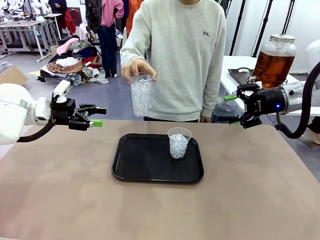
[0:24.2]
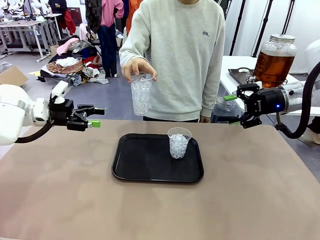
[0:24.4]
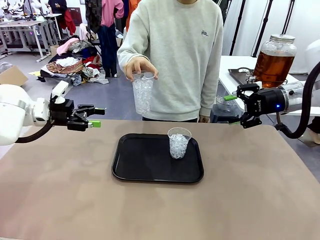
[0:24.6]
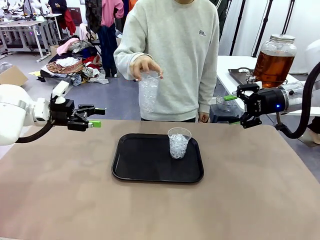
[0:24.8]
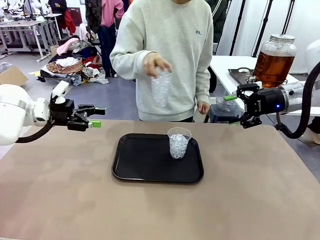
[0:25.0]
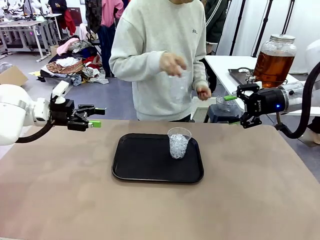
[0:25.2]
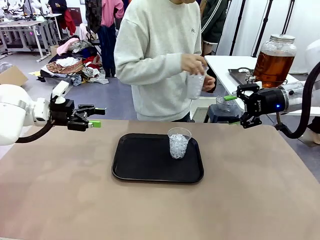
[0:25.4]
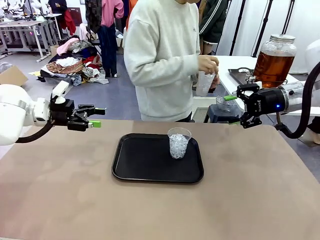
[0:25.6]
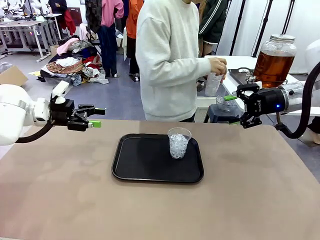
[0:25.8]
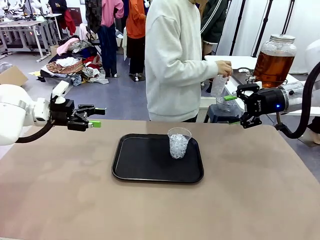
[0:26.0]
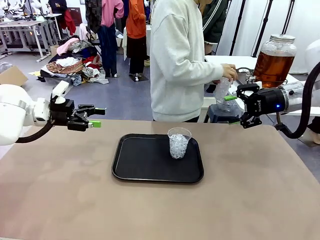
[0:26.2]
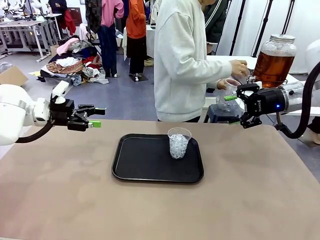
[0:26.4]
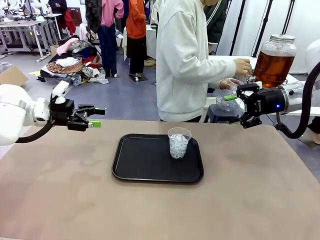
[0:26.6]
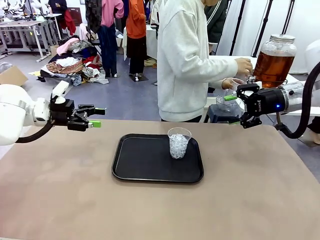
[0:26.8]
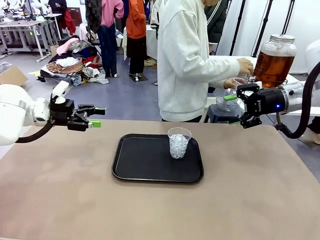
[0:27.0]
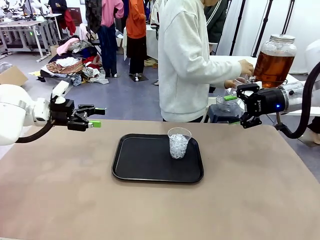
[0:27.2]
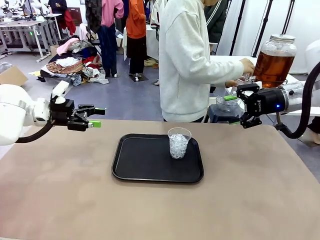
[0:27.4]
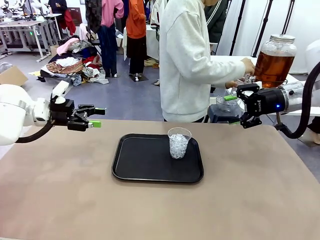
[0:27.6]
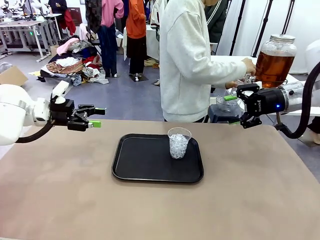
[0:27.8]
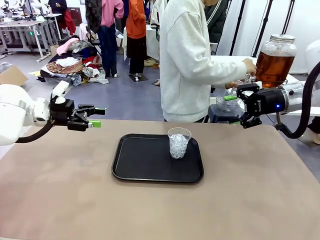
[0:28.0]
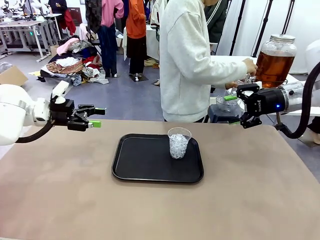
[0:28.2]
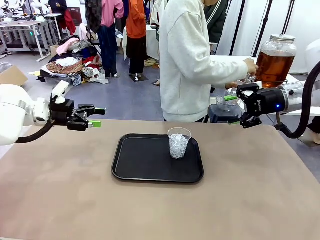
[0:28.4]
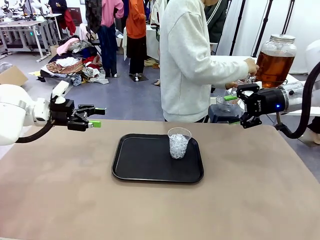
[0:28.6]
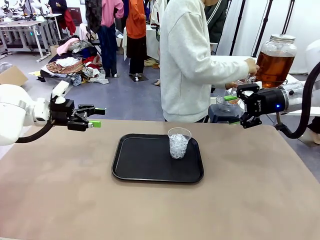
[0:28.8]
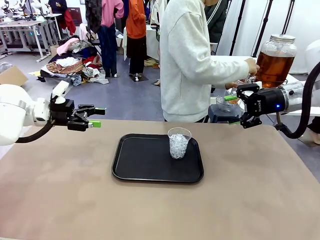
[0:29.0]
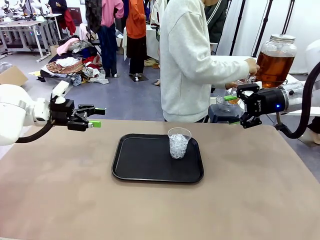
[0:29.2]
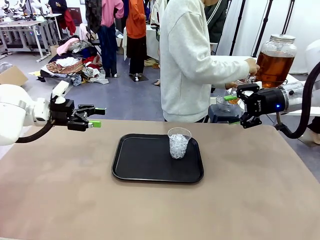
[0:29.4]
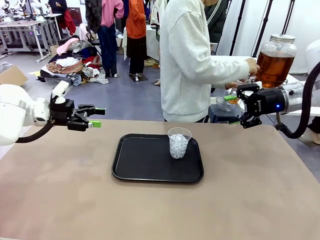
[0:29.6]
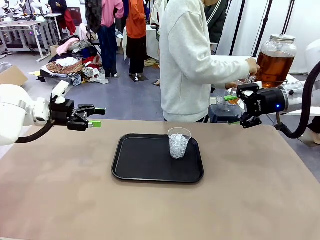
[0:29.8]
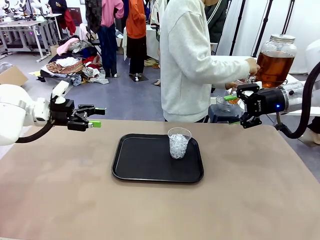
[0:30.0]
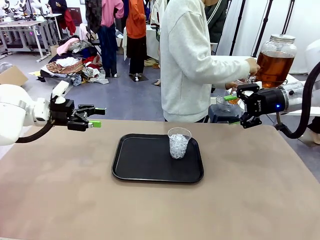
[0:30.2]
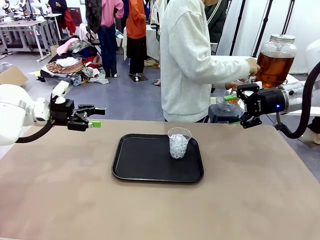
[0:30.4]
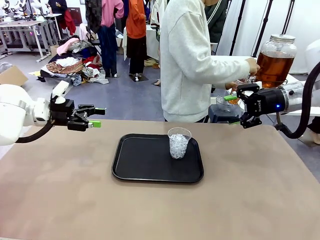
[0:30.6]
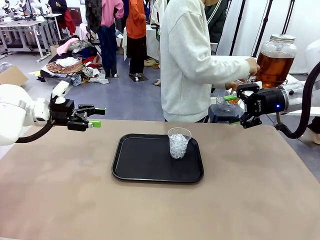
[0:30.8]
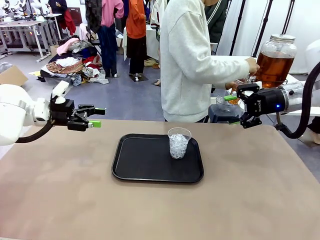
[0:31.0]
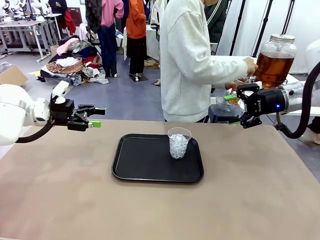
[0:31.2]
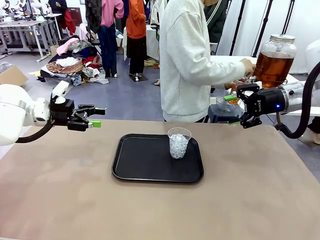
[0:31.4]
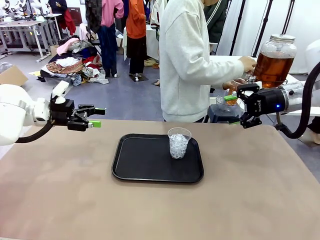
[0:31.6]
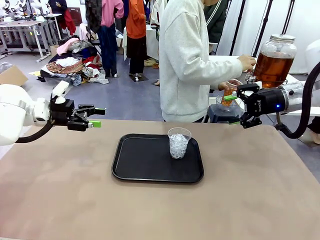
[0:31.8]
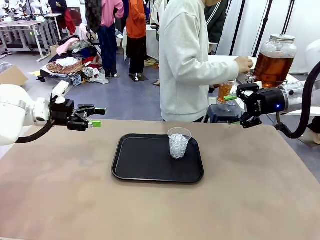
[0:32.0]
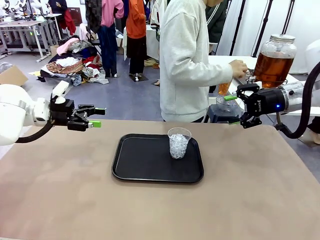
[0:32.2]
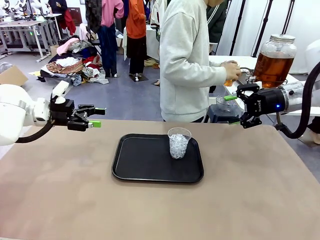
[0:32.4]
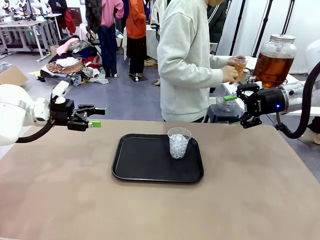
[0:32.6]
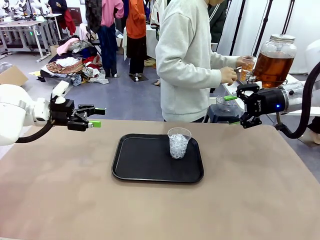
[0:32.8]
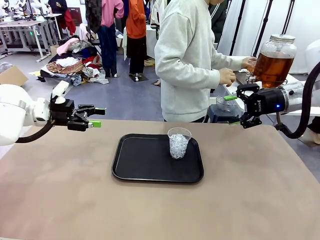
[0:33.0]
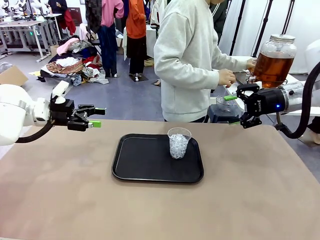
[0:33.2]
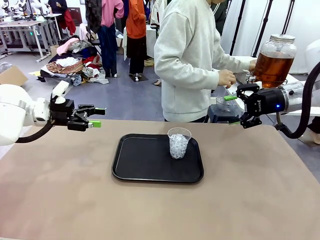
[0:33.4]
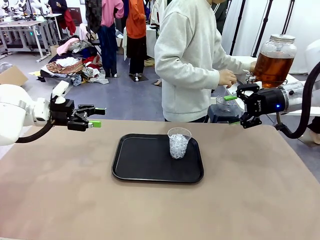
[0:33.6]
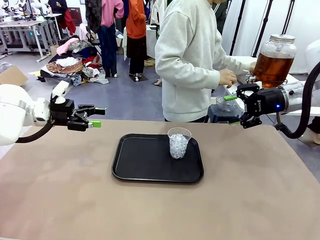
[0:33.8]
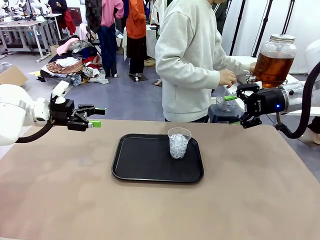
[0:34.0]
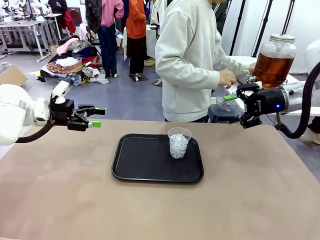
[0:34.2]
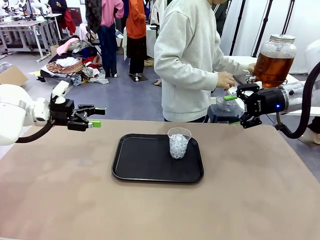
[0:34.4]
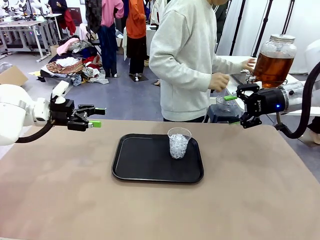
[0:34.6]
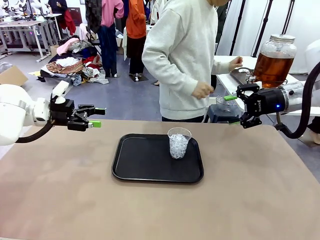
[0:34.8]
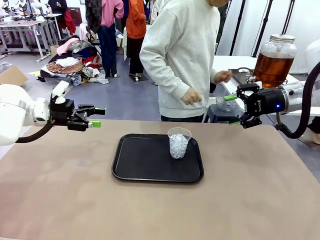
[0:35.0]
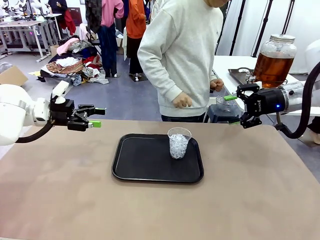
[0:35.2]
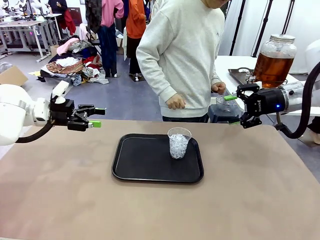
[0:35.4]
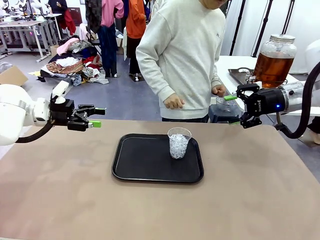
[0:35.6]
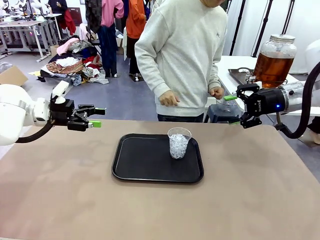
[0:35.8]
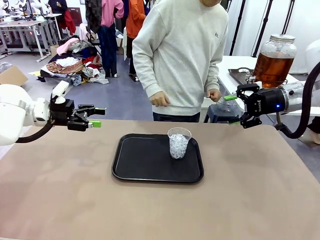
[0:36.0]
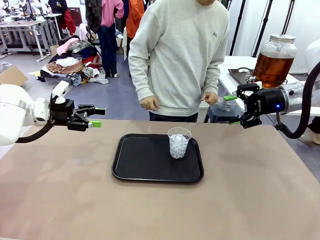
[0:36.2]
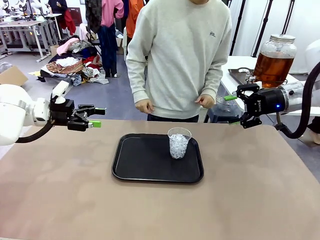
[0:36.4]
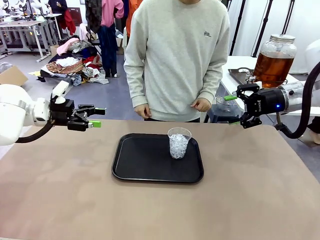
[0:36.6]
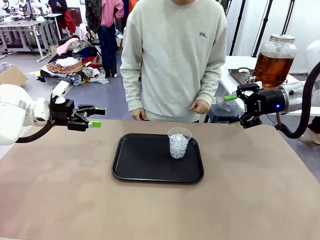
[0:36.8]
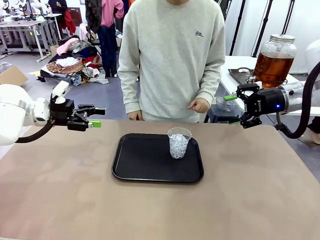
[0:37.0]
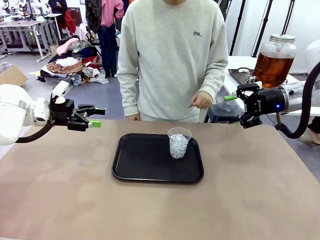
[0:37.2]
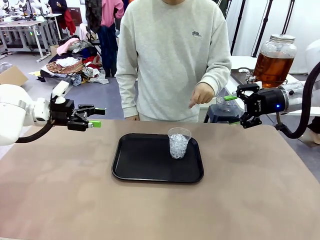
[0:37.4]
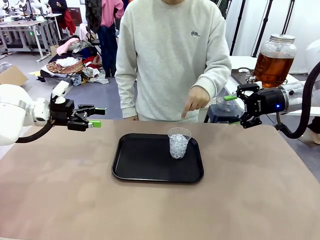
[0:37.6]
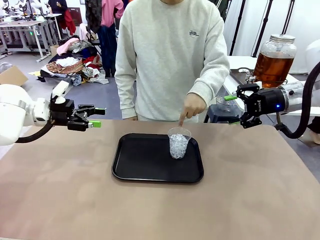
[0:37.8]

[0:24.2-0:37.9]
Task: Pour the drink into the iced cup.
Robot: Pick up the iced cup indicated by the human and present it to them.
Person: Move the picked-up cup under the dispenser faucet, pour the drink, and place it on the tray on the human table. Point to the remaining ice cup on the robot table.
